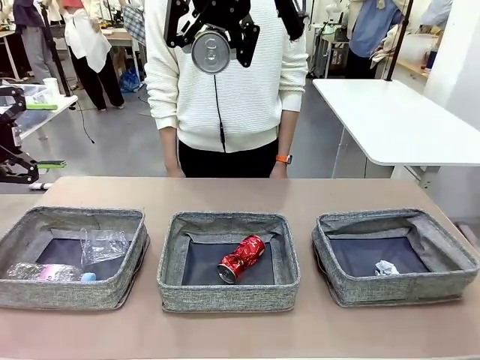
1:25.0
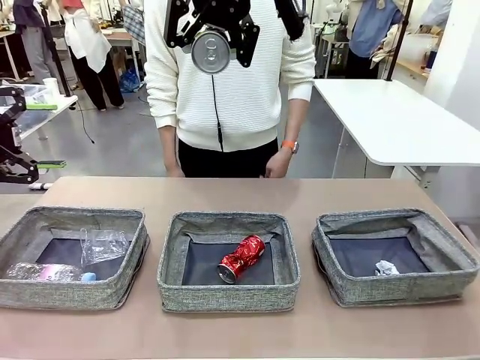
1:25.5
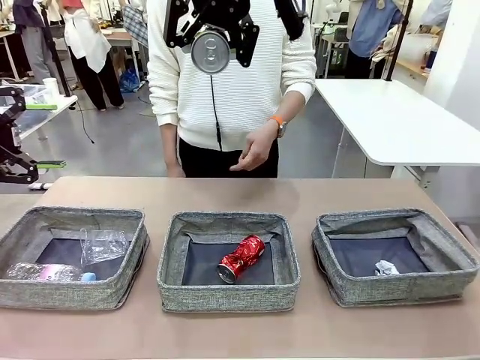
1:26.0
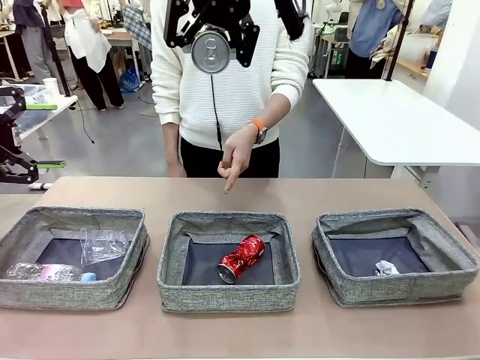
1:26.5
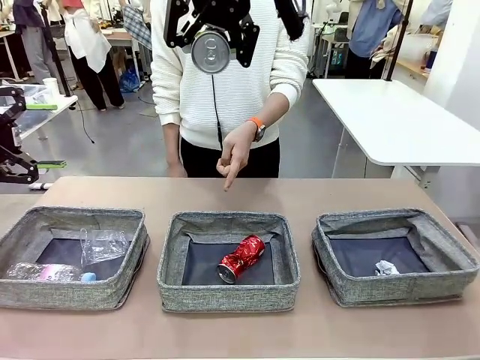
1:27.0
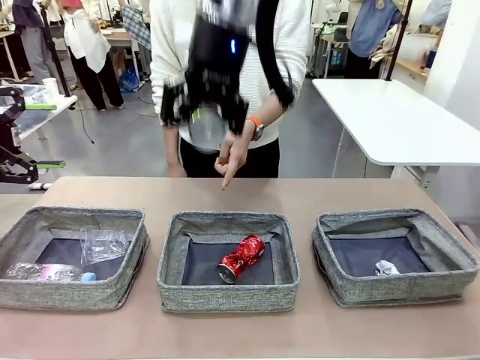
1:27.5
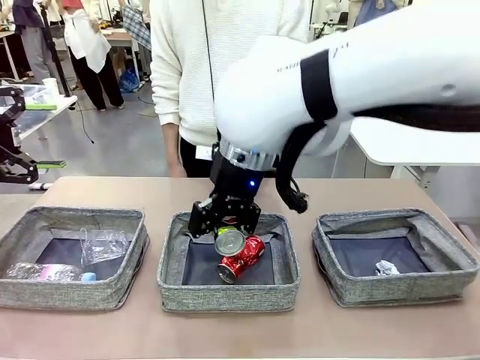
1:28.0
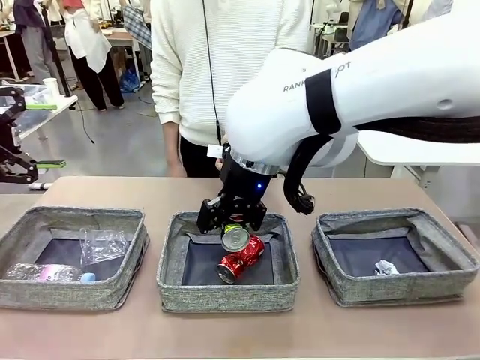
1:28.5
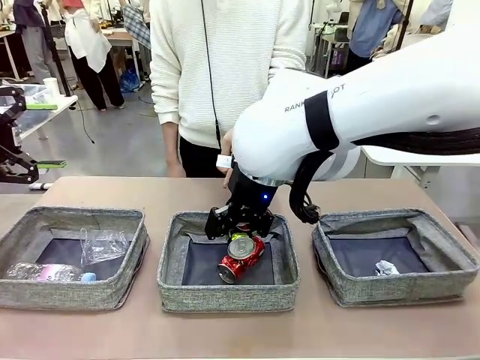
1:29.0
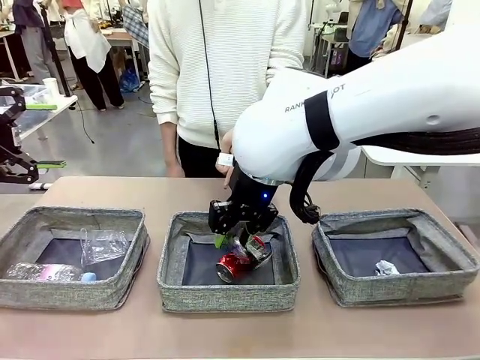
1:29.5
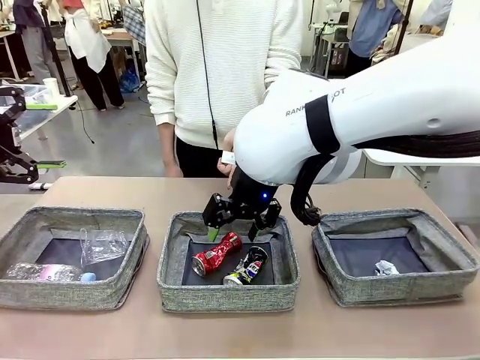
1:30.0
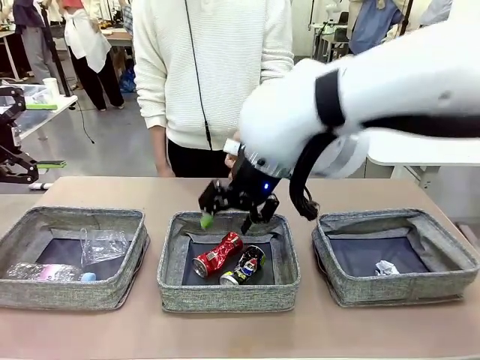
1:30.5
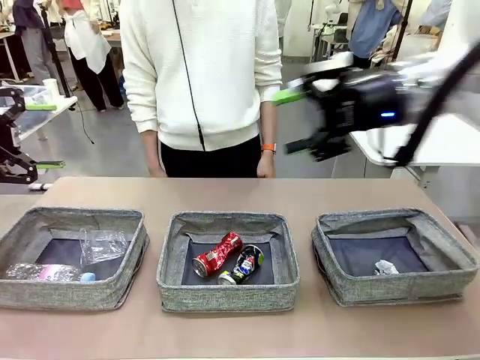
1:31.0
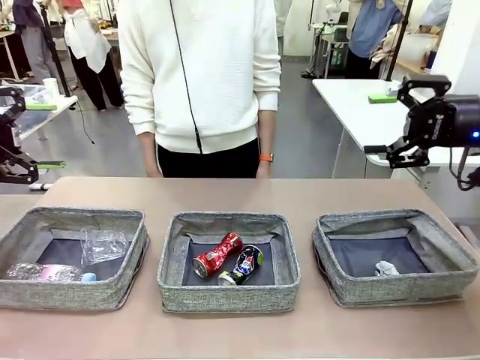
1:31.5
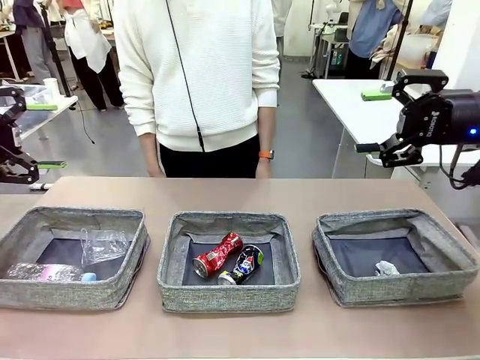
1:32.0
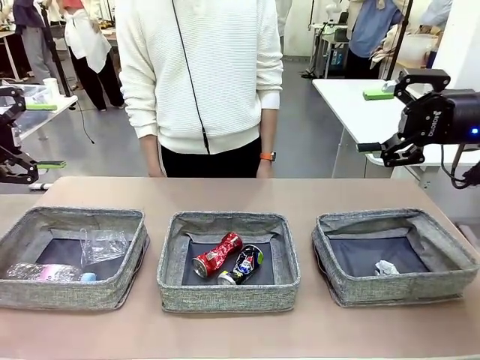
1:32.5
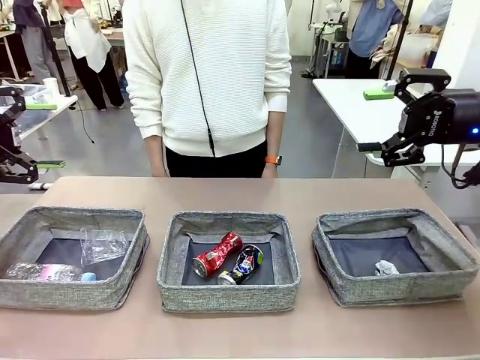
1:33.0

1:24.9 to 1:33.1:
Task: Sort the waste into the appropriate baskets.
Robot: Place the picked waste into the Fabric basket indicated by the person.
Person: Instructs the robot to place the picked-up trash into the appropriate organizing basket.

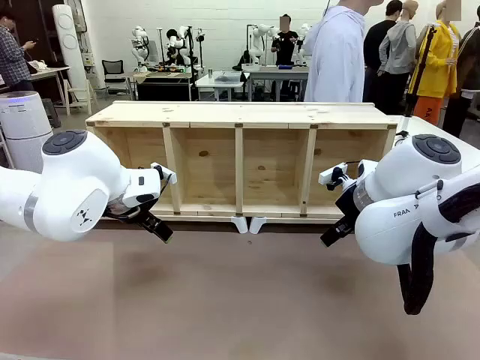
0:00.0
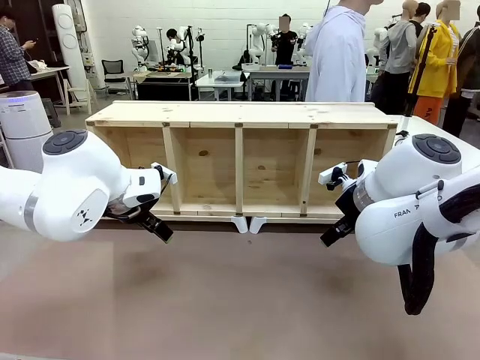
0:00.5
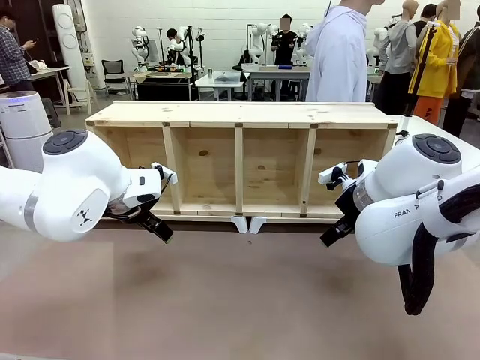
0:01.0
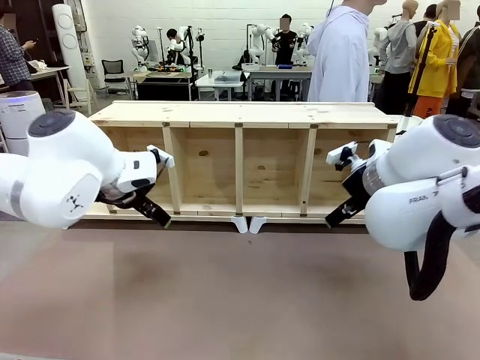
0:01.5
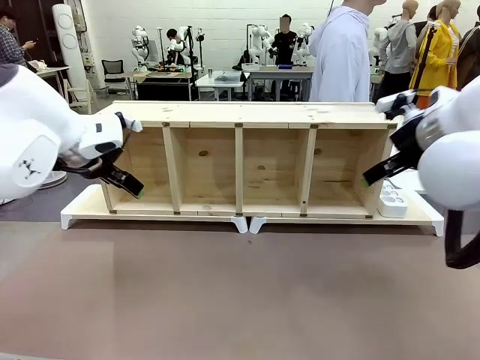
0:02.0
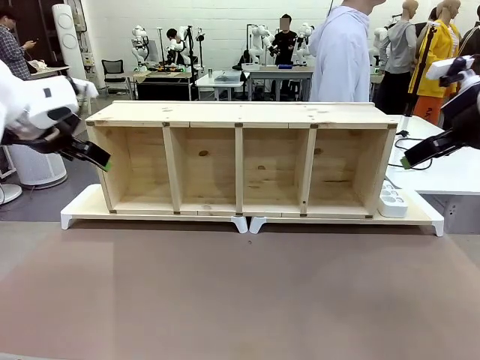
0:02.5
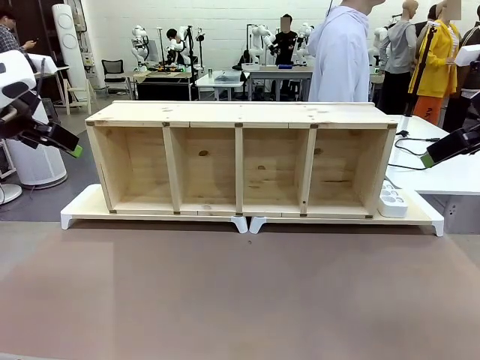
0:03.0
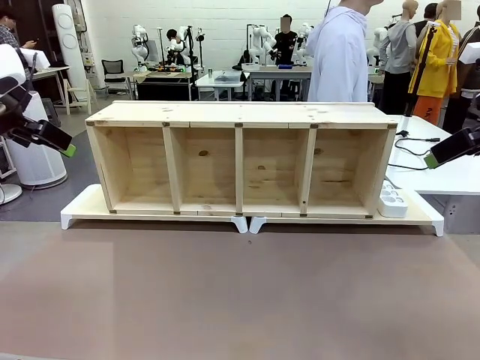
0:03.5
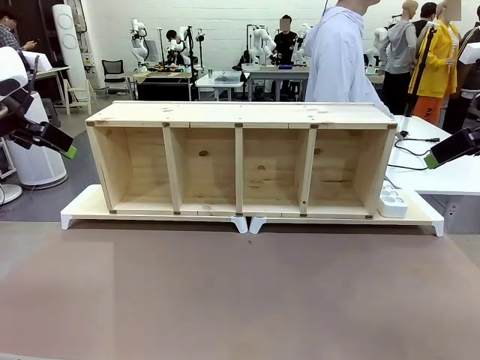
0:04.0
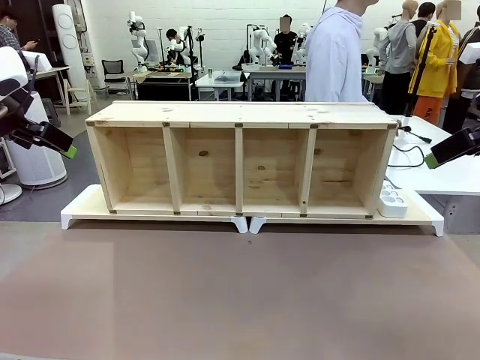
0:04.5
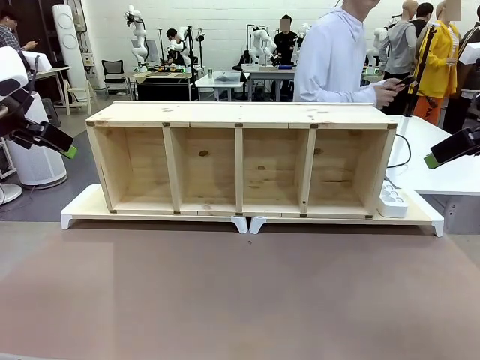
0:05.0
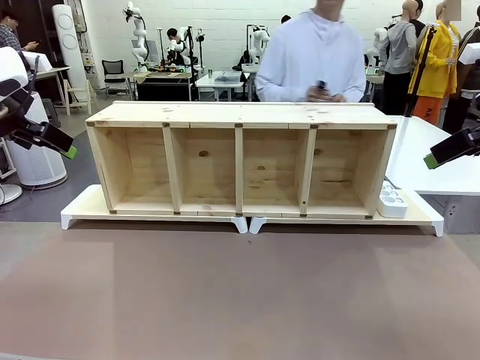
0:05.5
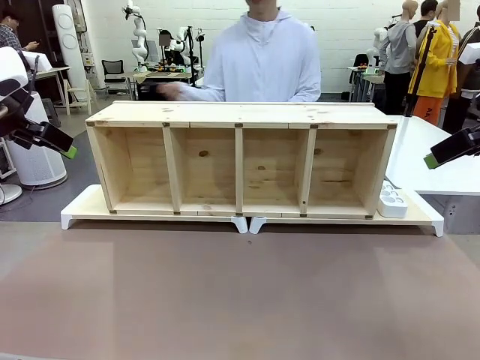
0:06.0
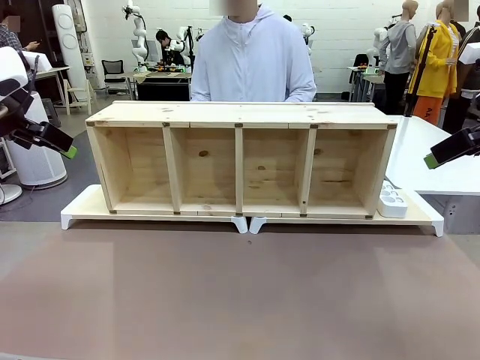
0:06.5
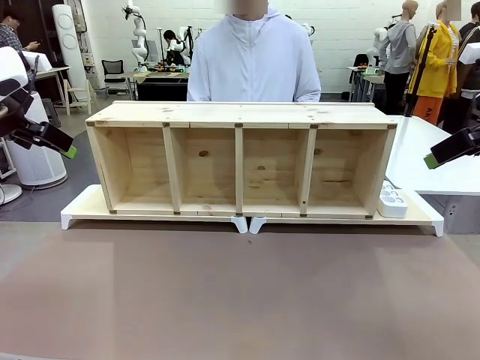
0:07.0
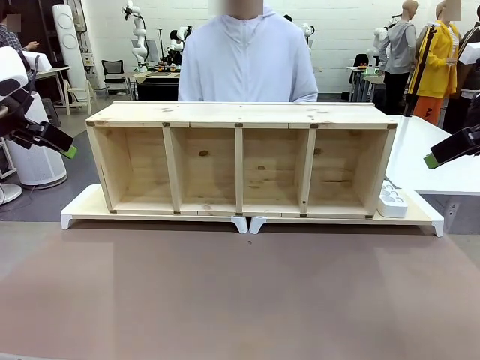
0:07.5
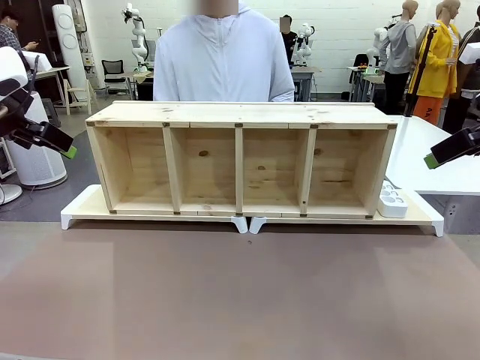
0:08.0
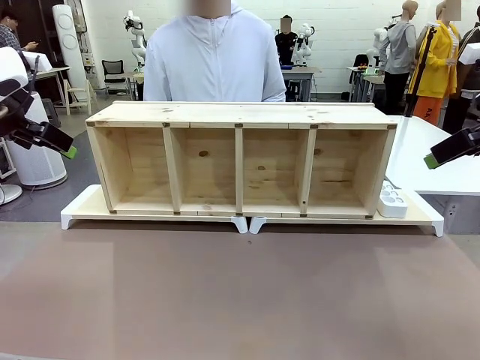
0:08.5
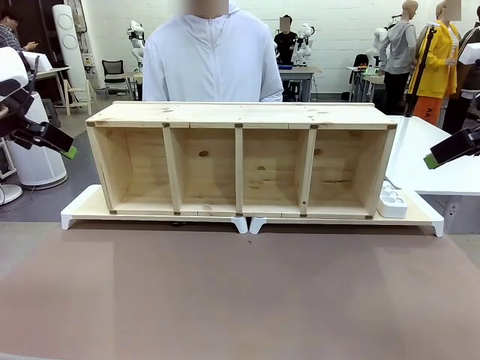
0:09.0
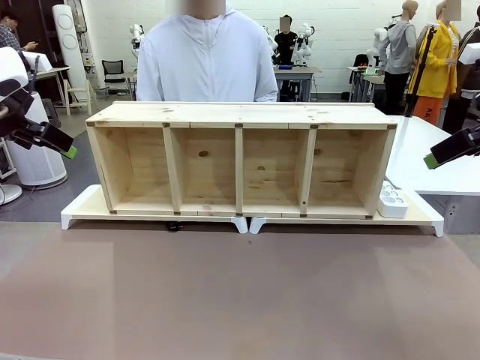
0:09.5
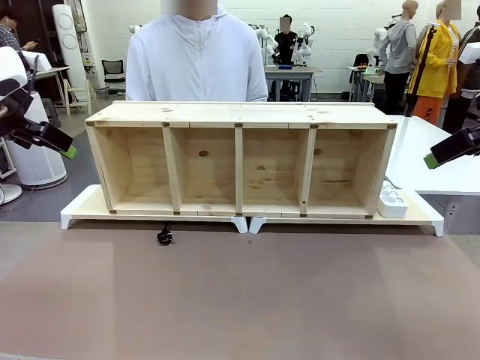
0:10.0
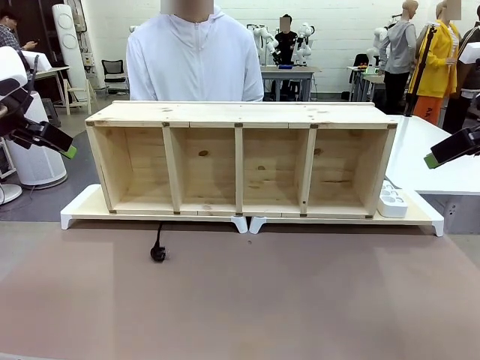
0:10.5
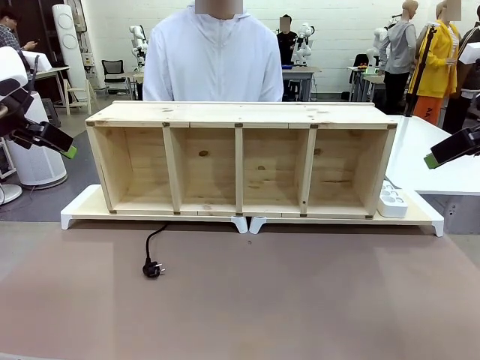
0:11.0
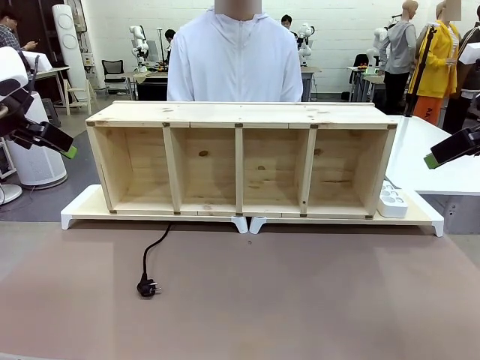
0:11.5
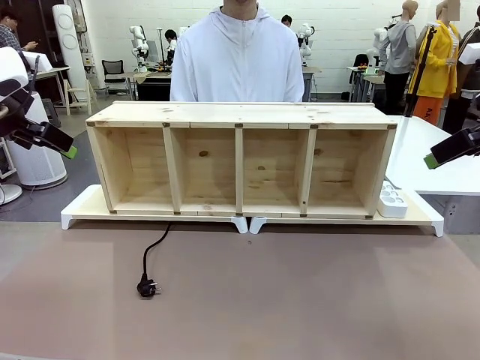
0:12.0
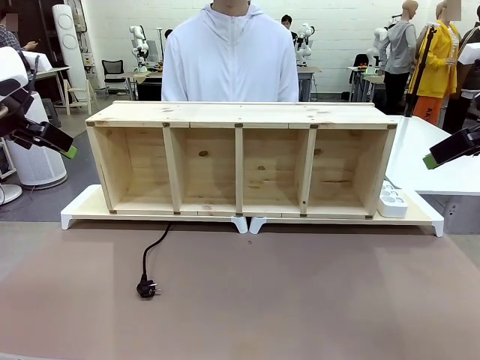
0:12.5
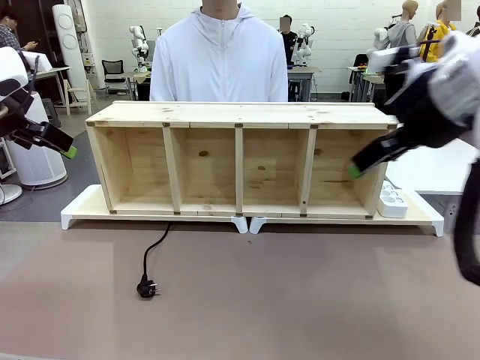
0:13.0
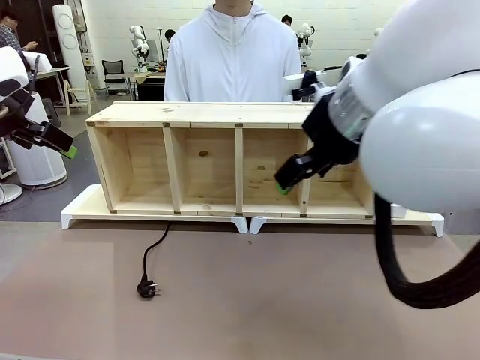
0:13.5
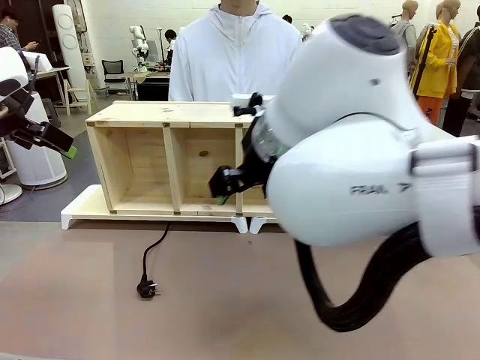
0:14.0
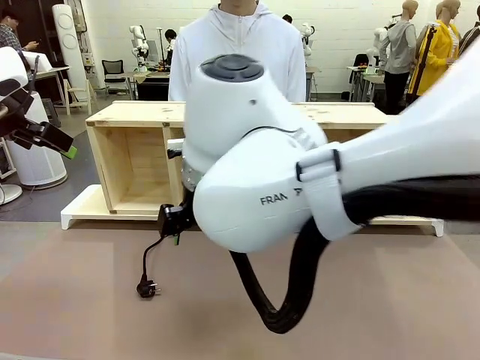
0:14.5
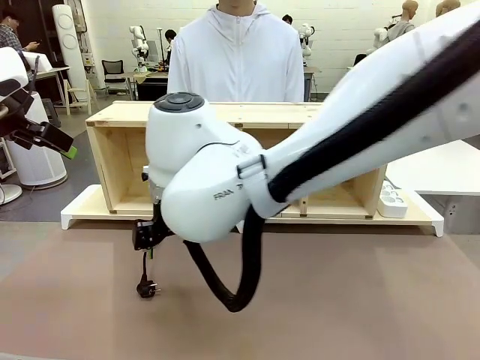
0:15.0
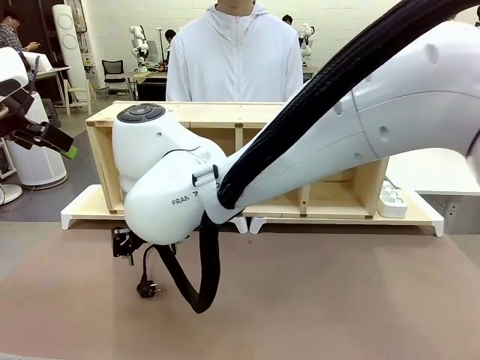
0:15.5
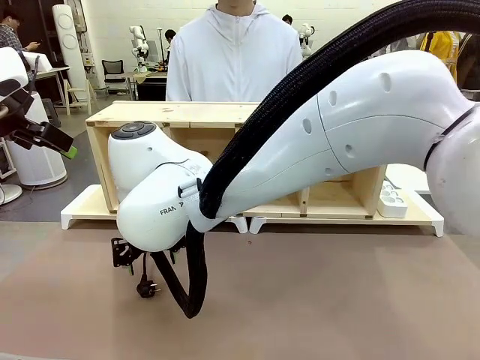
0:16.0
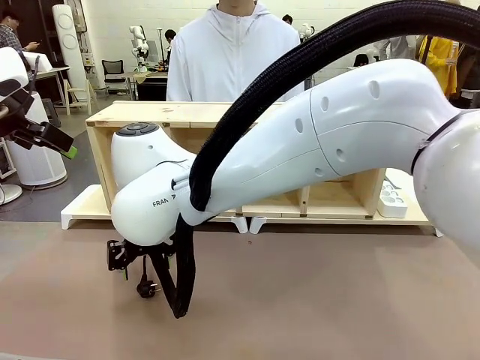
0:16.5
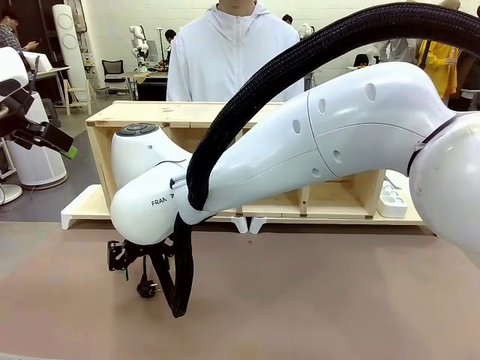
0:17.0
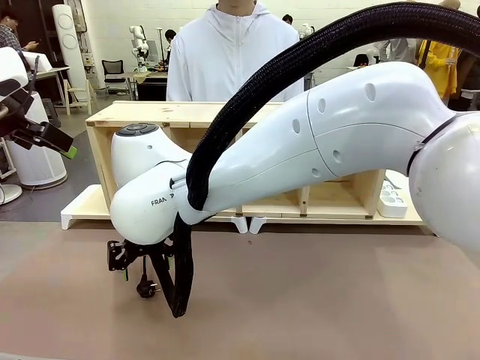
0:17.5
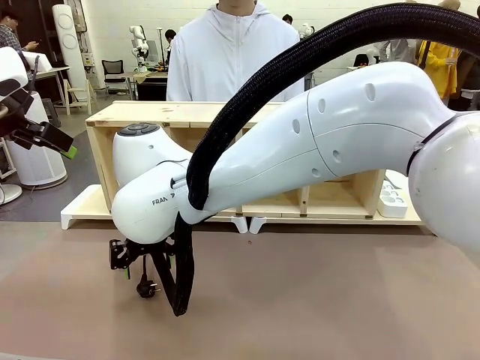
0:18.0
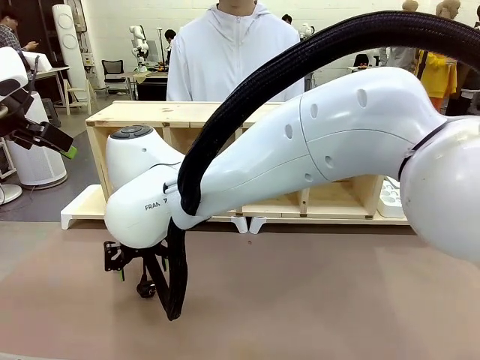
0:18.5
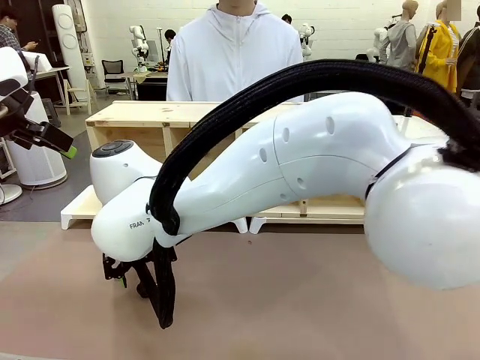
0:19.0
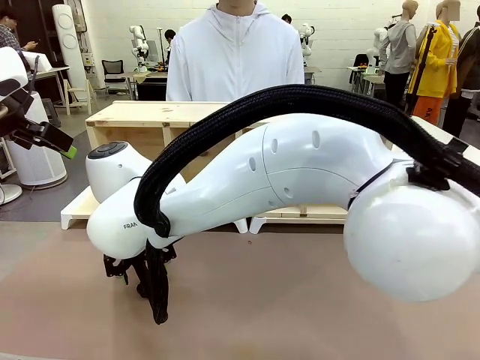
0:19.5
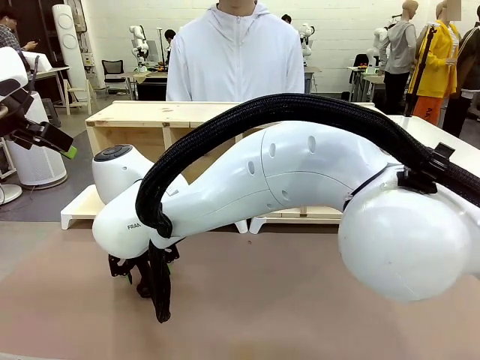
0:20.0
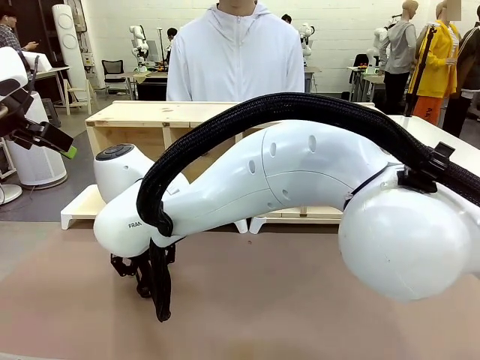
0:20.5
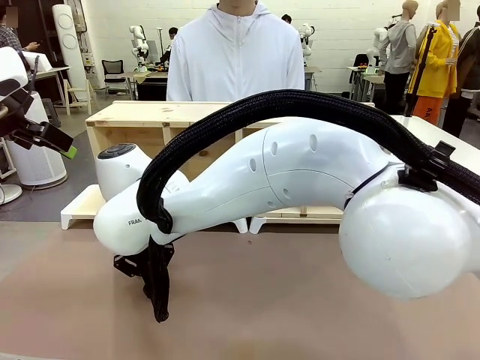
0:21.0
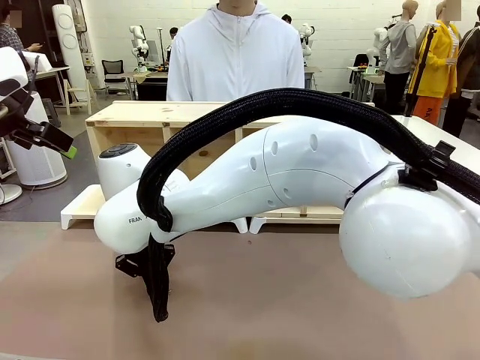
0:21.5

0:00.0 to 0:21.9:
Task: Perform cable management.
Robot: When the cord part of the Power Cable appears at the lower middle area of the table and stops, grasp the cord part of the Power Cable.
Person: Pass the Power Cable under the Serving Table.
